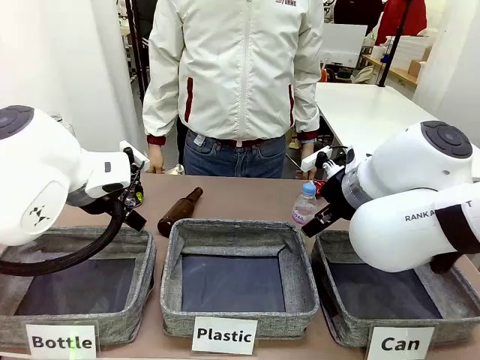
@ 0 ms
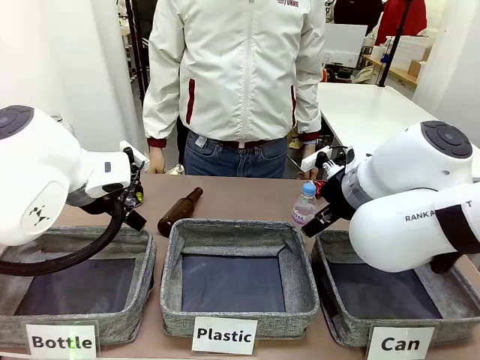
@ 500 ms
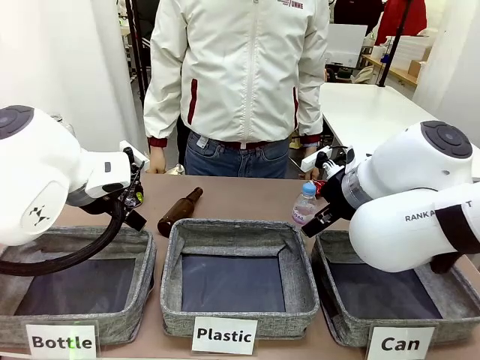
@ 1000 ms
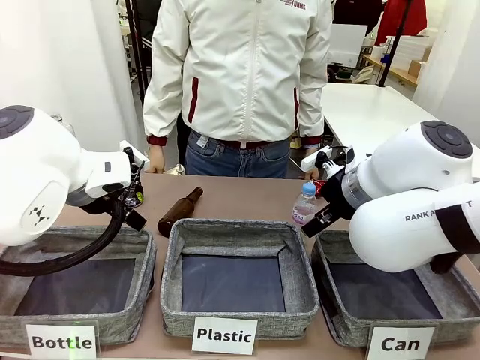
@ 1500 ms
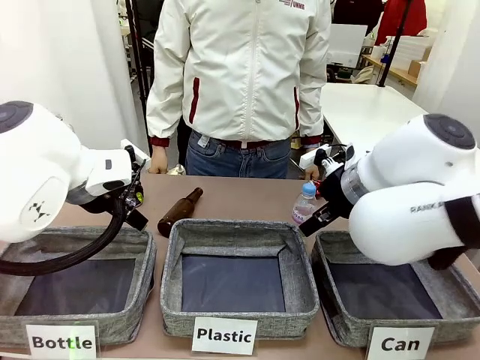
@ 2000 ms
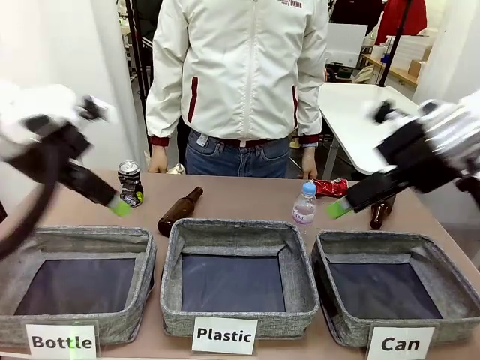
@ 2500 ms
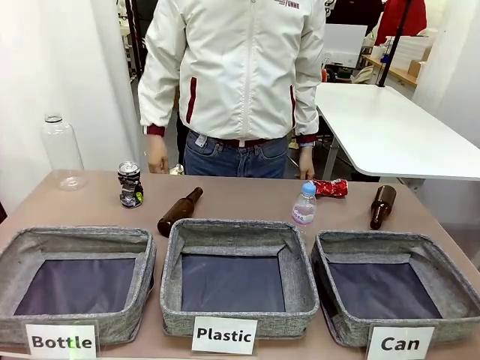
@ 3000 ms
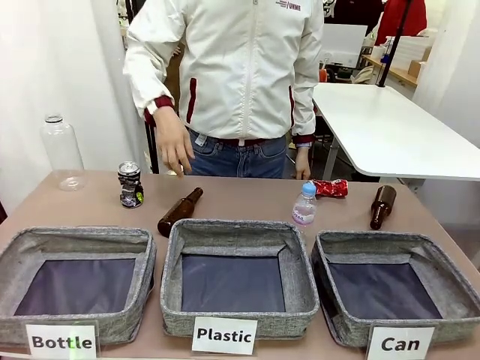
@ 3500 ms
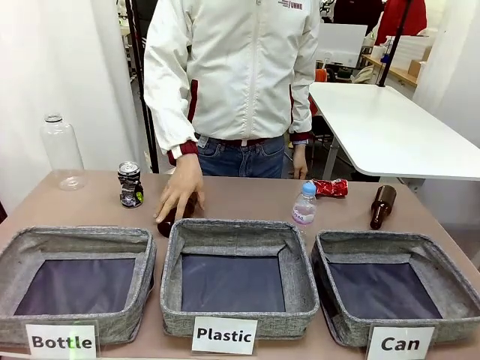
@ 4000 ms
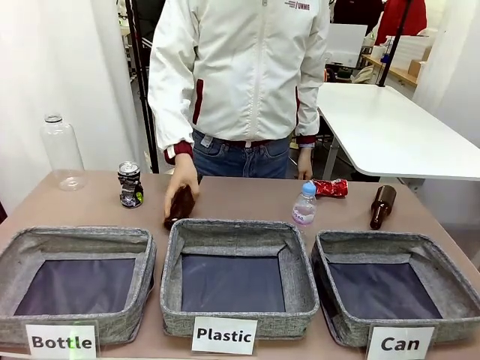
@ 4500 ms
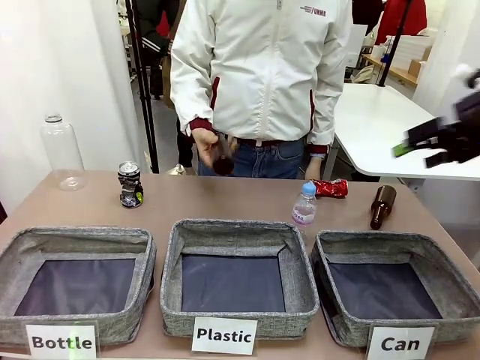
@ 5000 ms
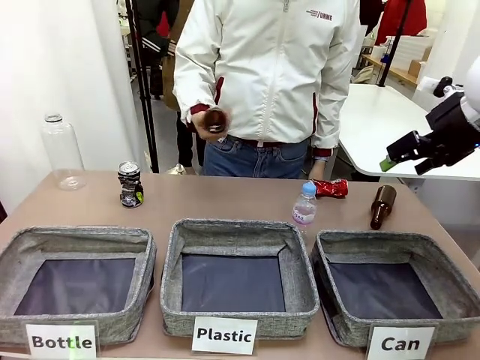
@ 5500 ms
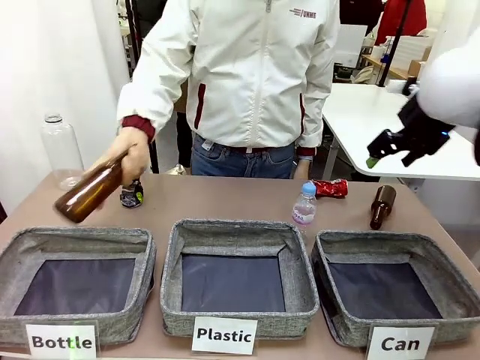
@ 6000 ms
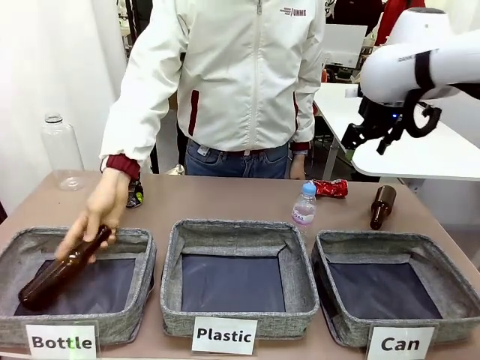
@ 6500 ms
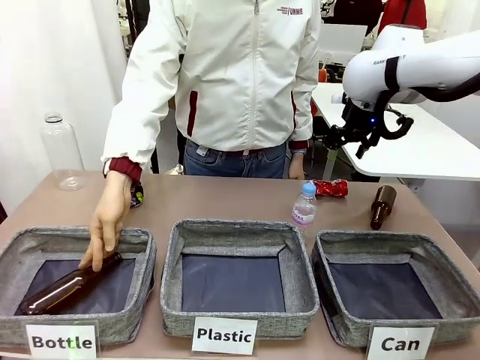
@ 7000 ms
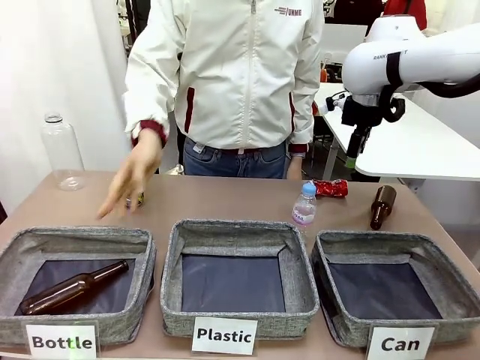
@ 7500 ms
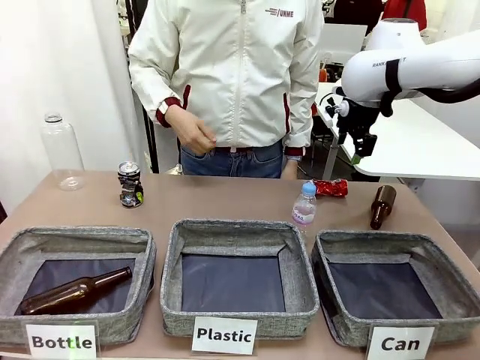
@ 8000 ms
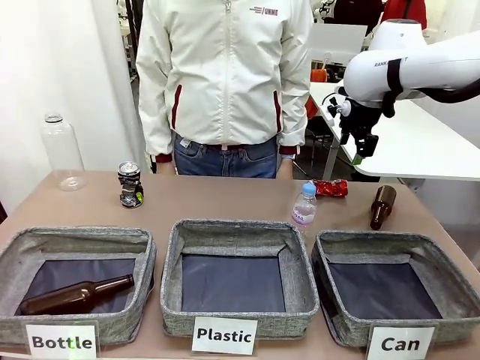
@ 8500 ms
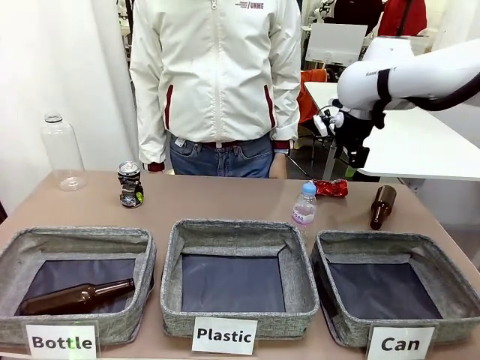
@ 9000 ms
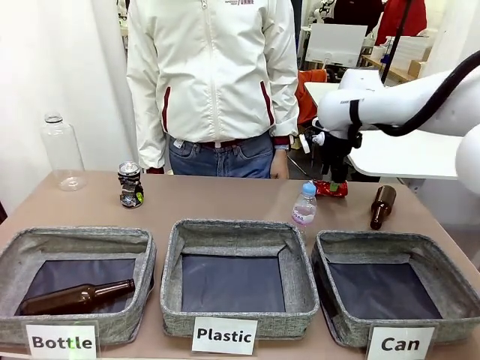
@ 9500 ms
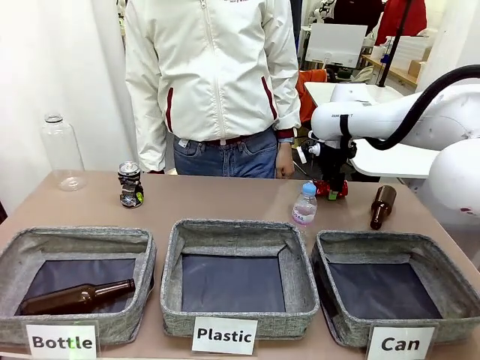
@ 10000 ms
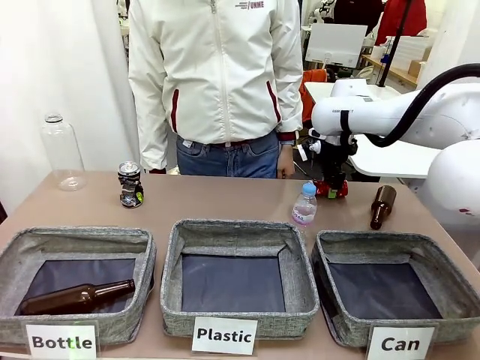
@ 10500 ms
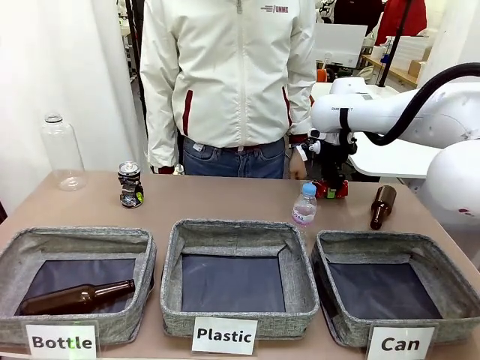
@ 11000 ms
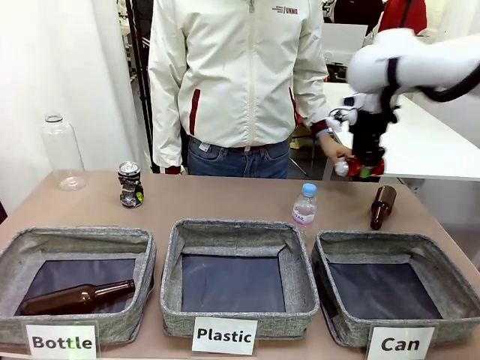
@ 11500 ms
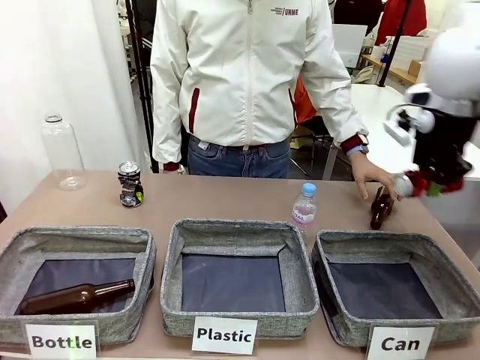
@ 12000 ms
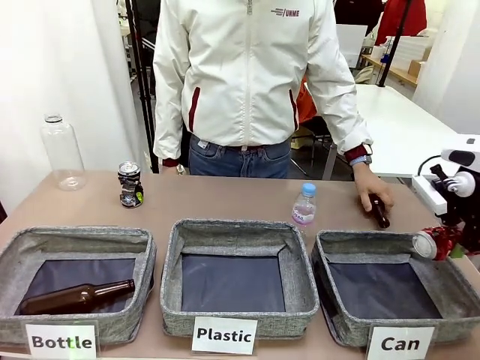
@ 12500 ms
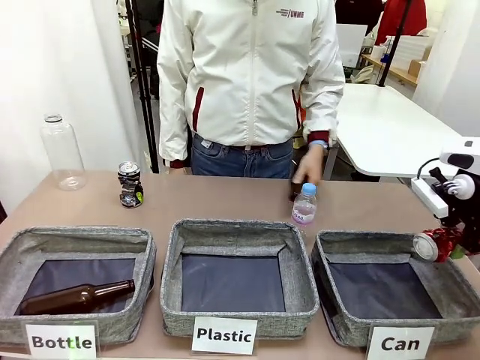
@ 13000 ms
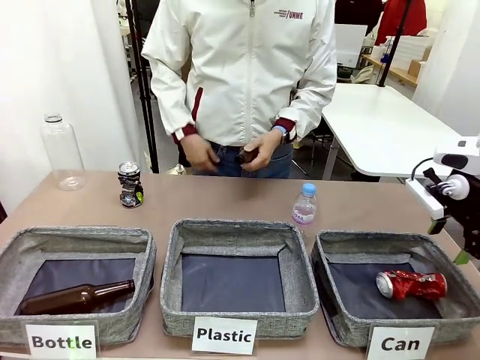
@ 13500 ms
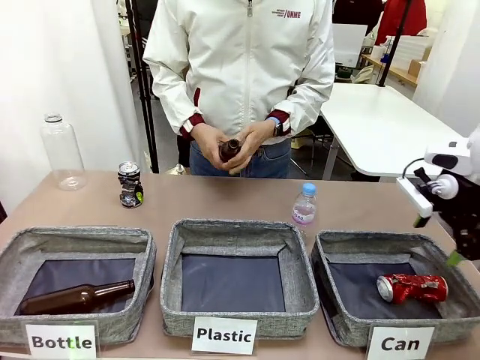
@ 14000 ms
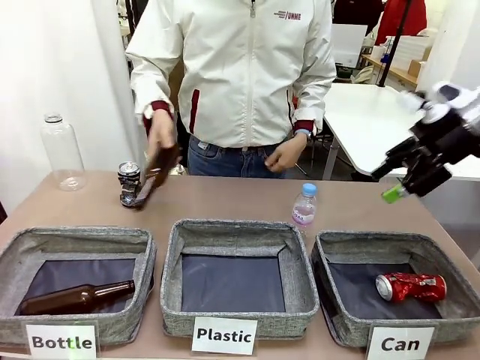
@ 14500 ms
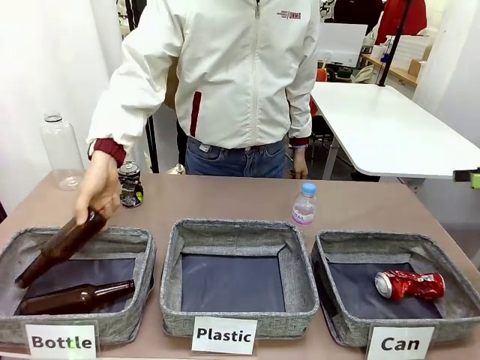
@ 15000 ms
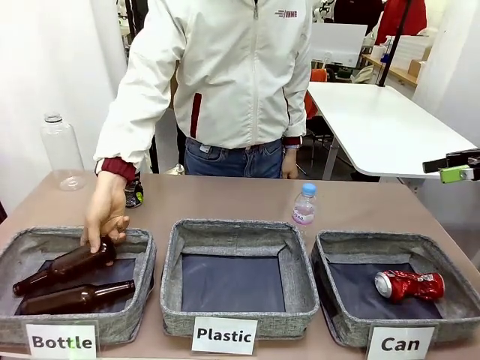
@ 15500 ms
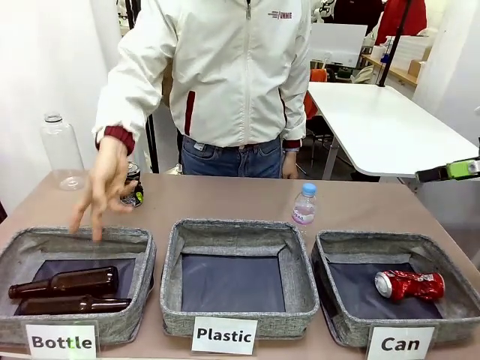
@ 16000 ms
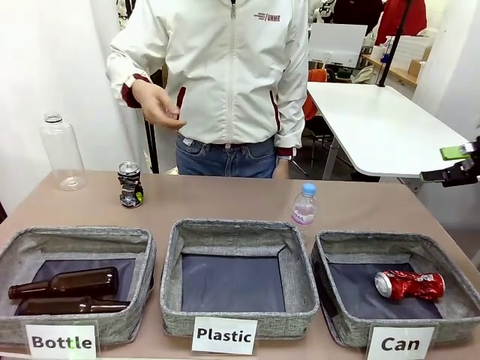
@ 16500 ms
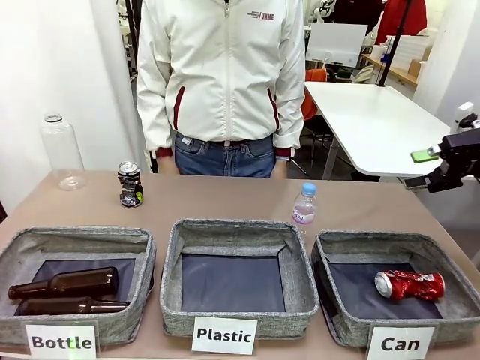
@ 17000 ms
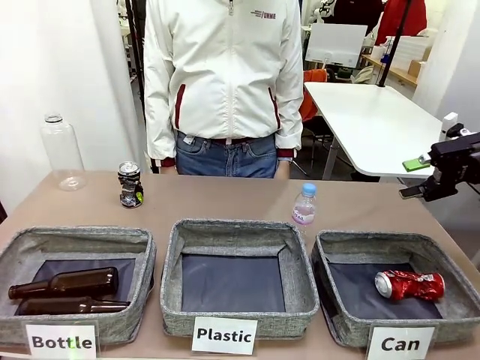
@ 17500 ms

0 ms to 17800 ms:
Task: Sort the can waste into the basket.
Robot: Pick up the can waste from the table and place it in the right Fabric basket.
